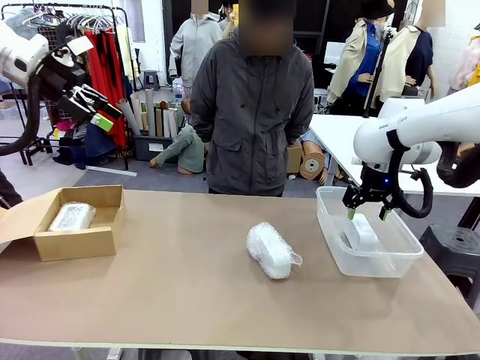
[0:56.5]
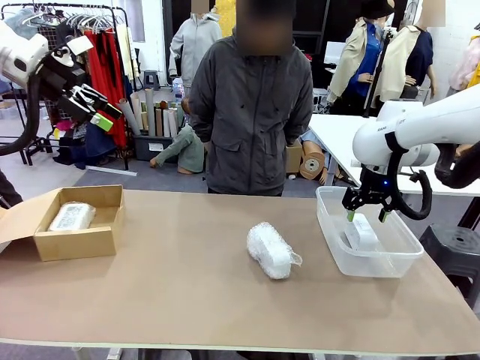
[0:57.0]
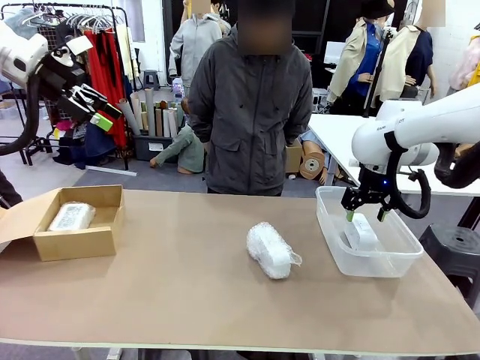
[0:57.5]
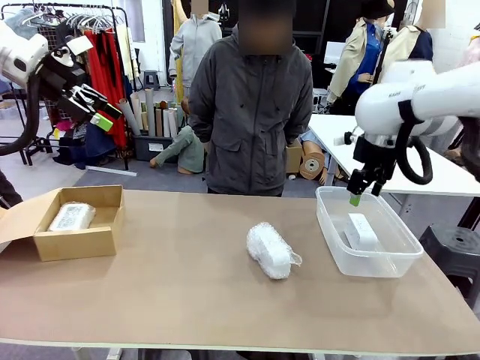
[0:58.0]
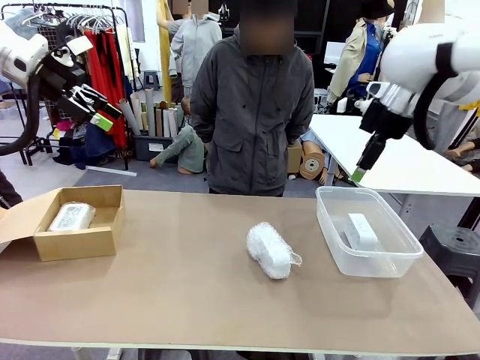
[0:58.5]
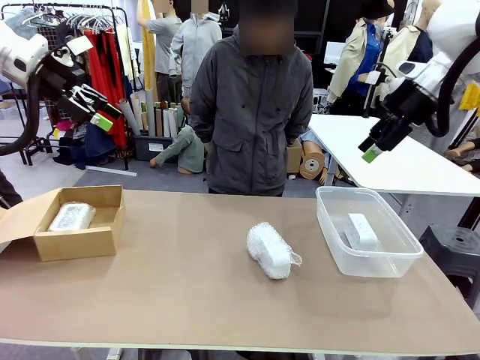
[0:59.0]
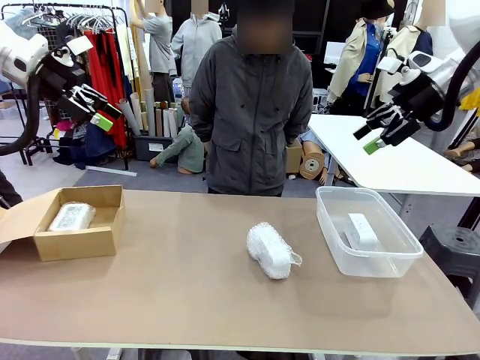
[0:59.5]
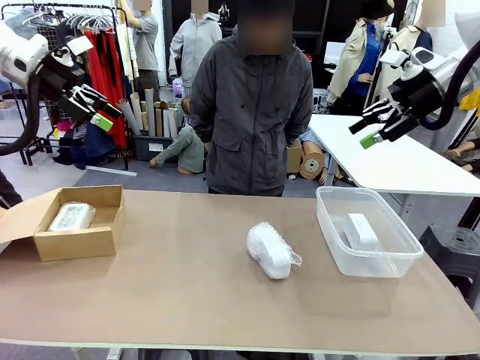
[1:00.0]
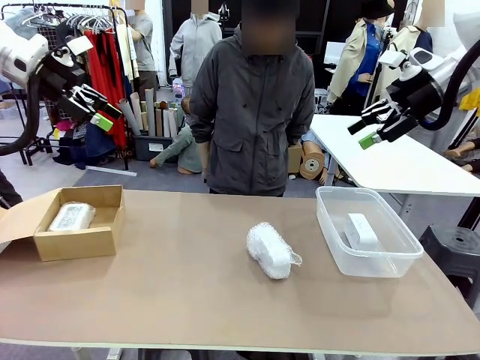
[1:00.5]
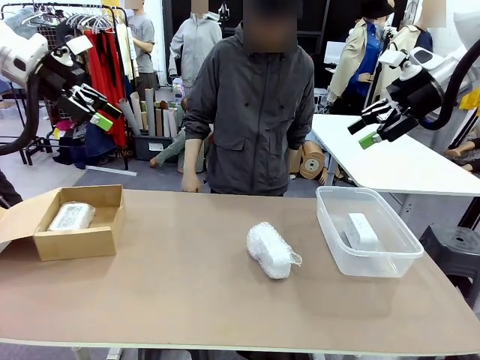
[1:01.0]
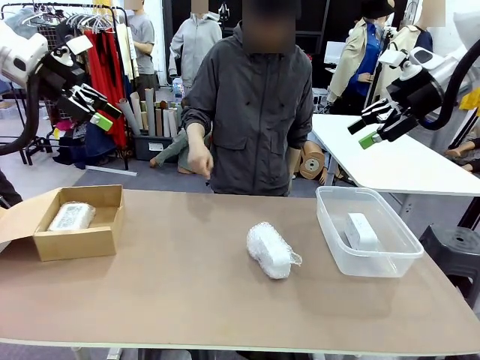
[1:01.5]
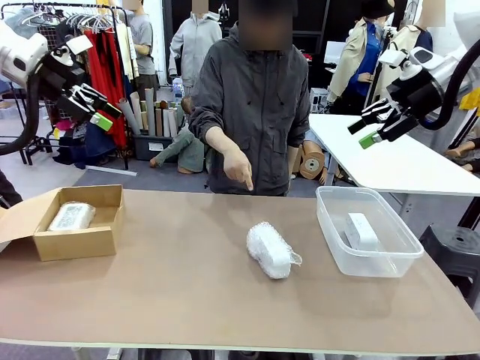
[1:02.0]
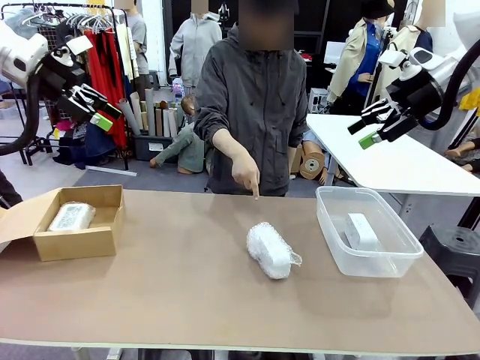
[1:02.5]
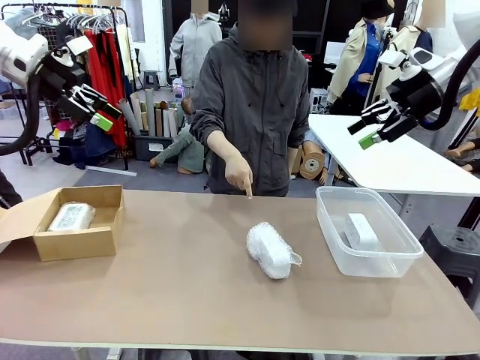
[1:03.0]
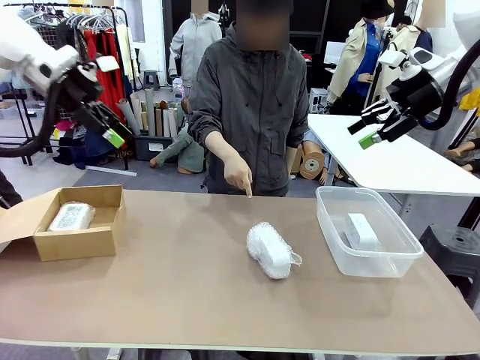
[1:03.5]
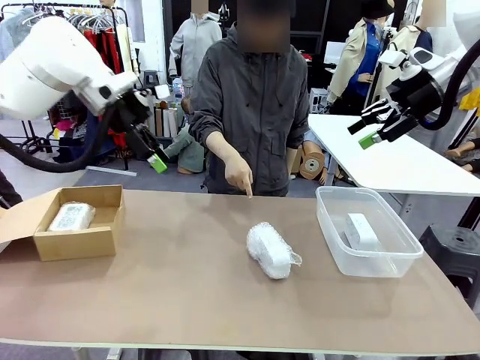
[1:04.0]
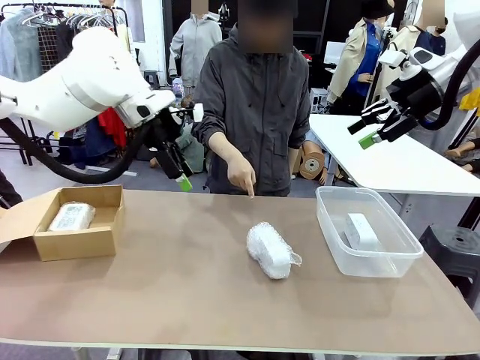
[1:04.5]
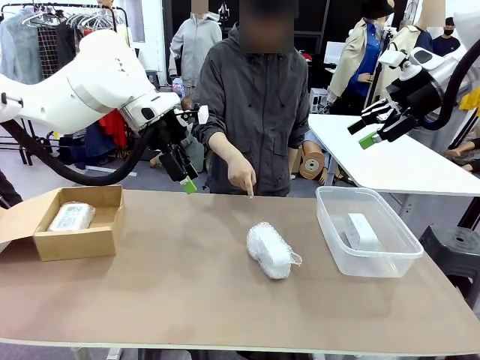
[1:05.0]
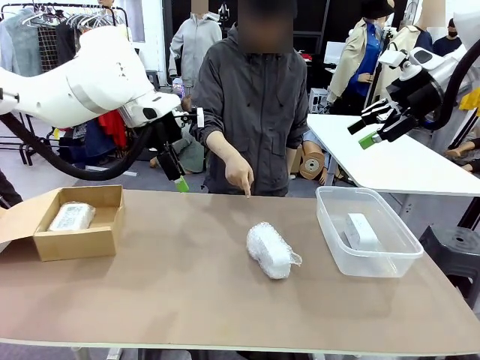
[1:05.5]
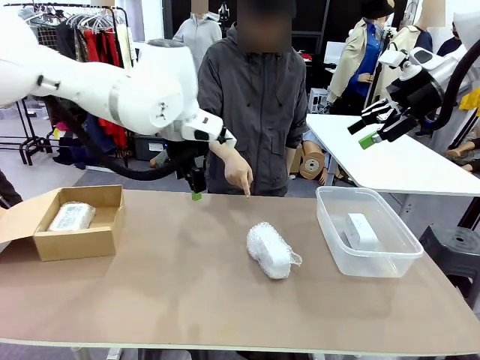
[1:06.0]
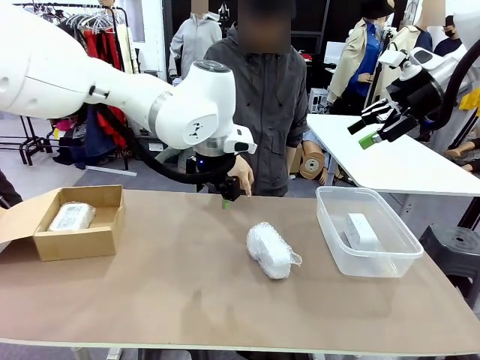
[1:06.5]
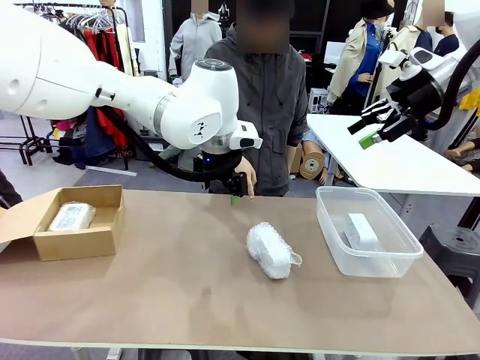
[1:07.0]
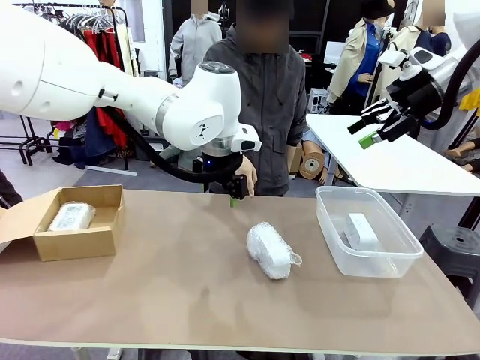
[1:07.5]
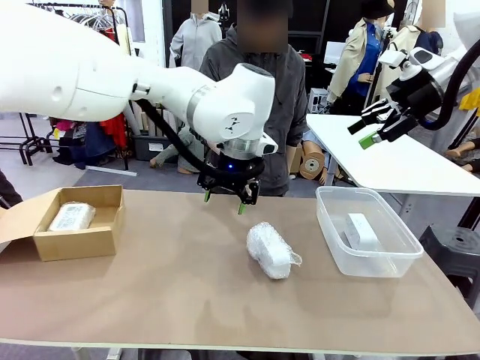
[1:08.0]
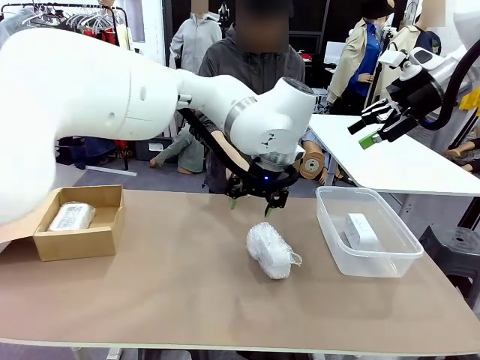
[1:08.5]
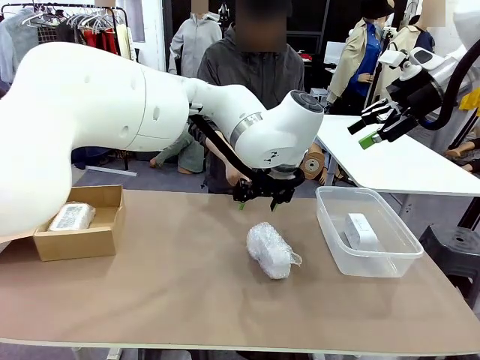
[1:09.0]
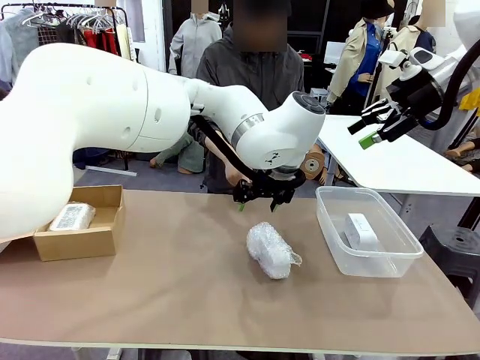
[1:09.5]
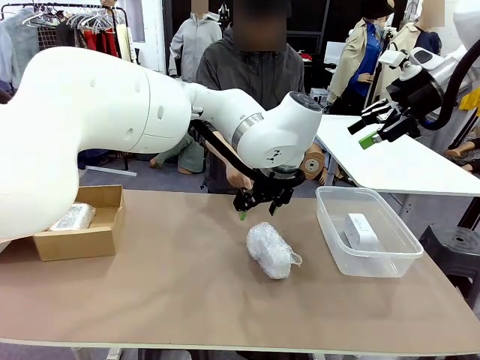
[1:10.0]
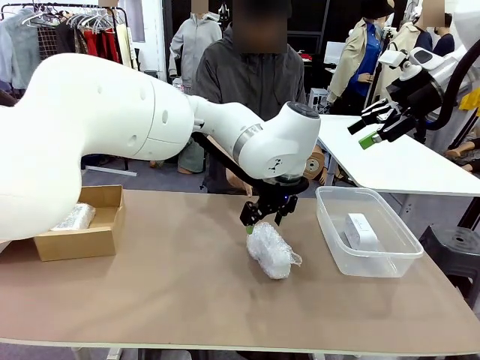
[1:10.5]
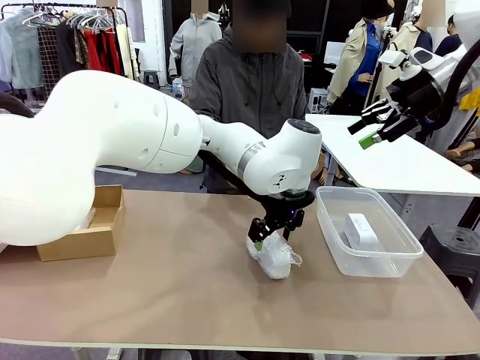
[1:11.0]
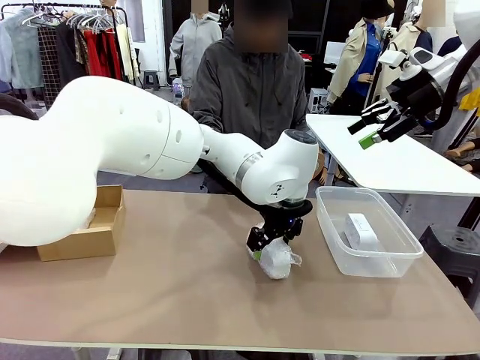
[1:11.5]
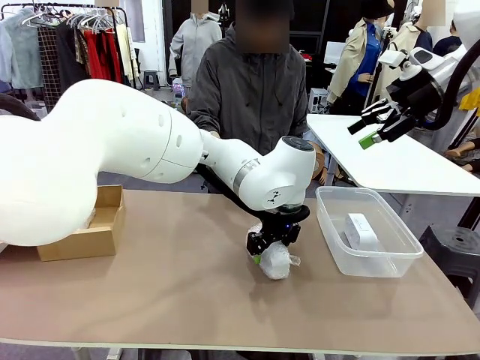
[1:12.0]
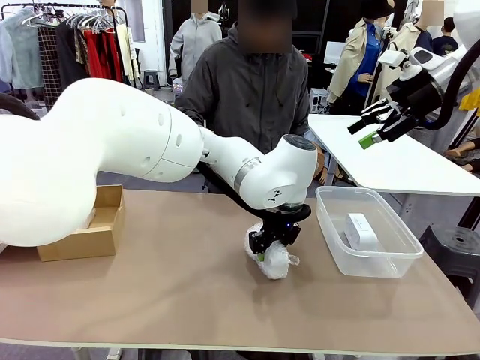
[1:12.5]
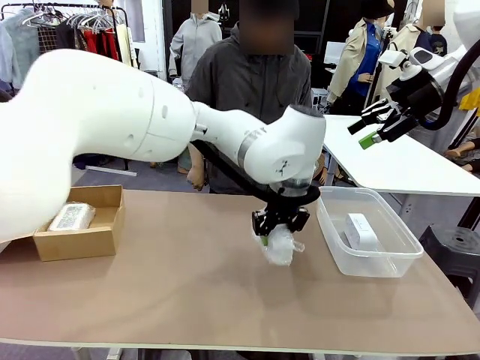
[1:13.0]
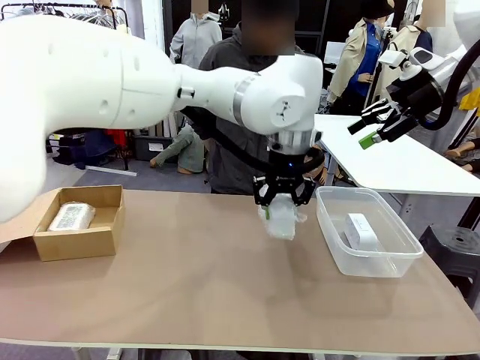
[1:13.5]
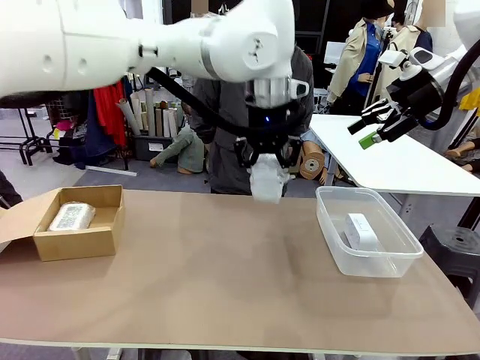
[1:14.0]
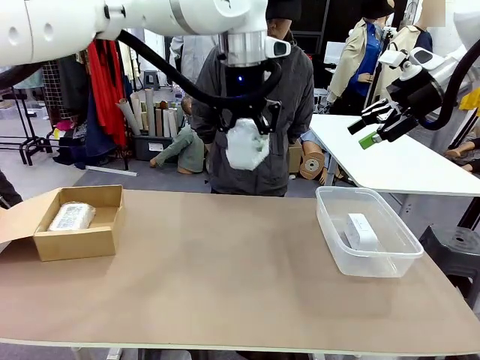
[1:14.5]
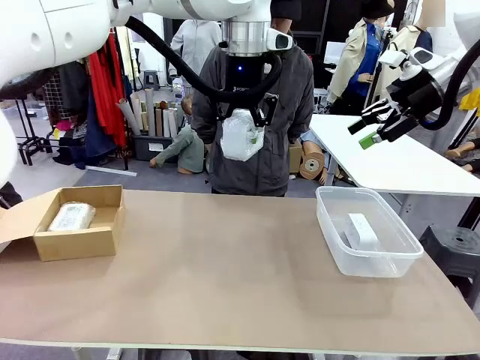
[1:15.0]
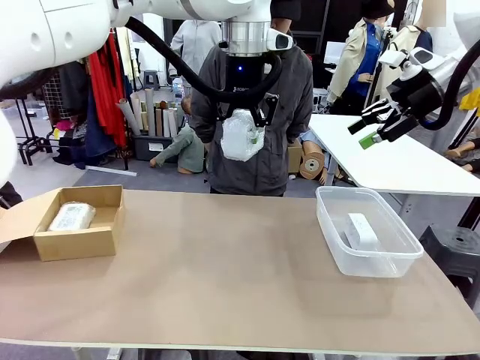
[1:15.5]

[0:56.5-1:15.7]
Task: Separate and place wrapped and unwrapped clocks.
Robot: Pick up the Digital clock indicated by the person.

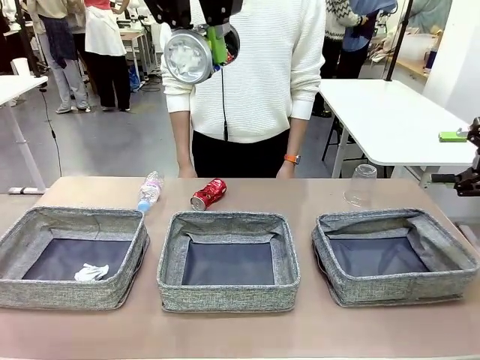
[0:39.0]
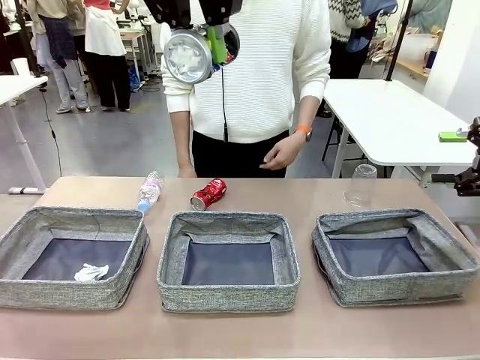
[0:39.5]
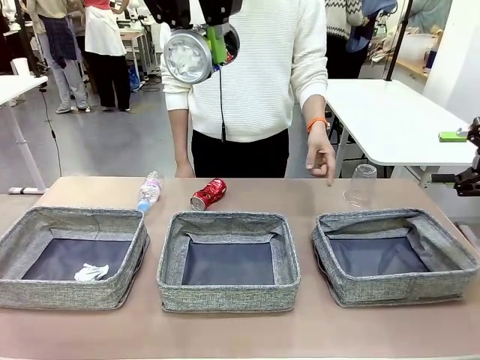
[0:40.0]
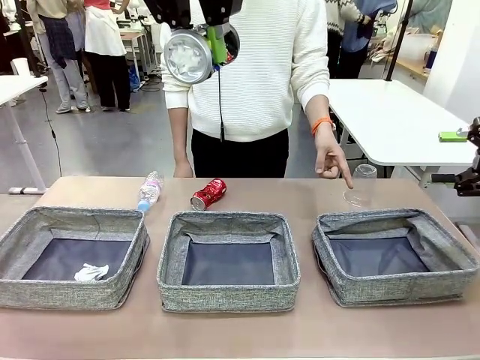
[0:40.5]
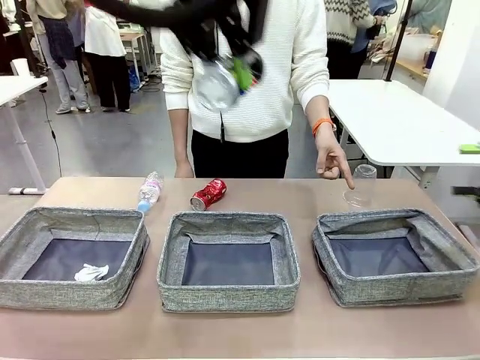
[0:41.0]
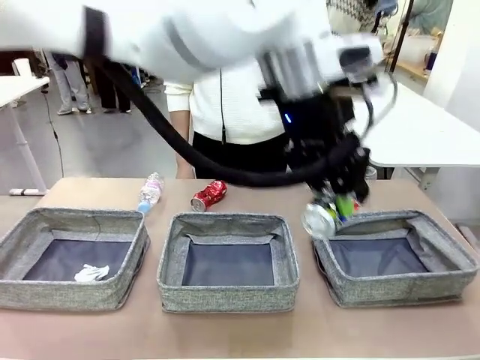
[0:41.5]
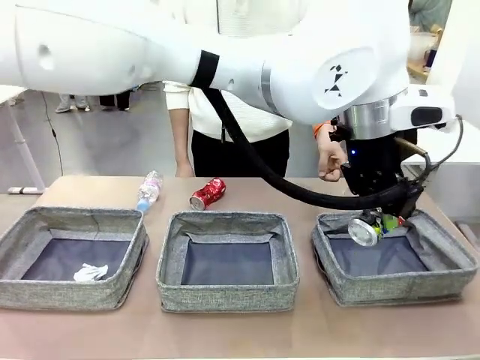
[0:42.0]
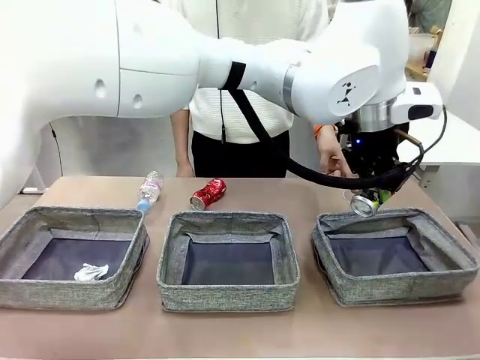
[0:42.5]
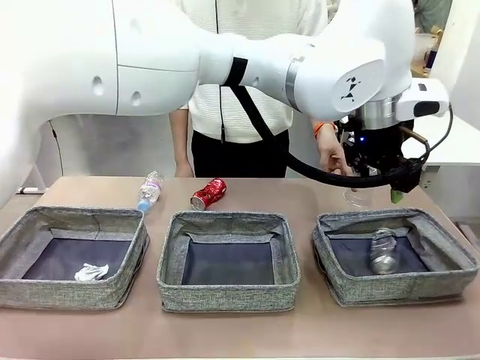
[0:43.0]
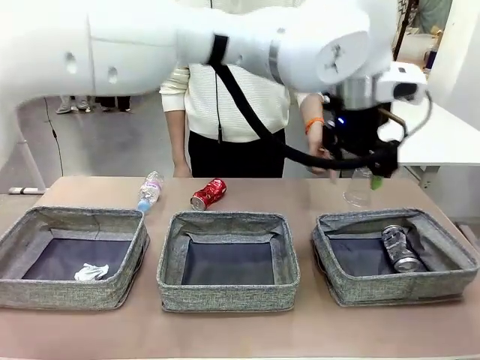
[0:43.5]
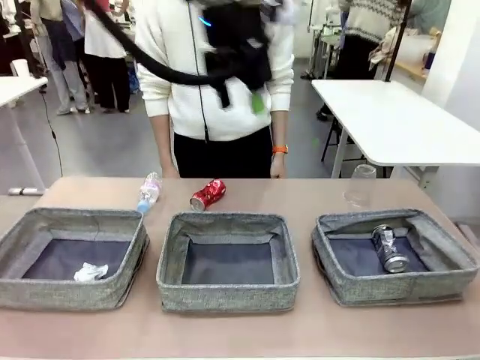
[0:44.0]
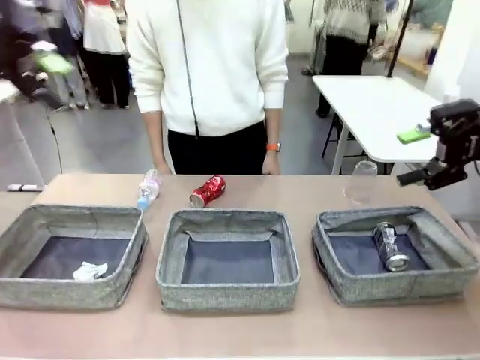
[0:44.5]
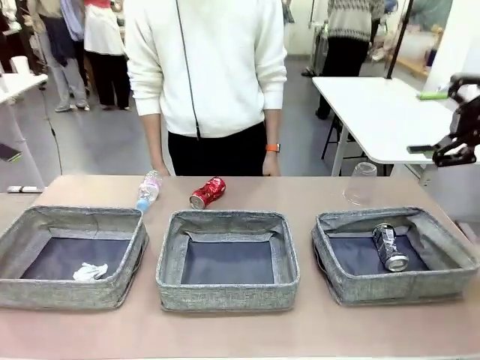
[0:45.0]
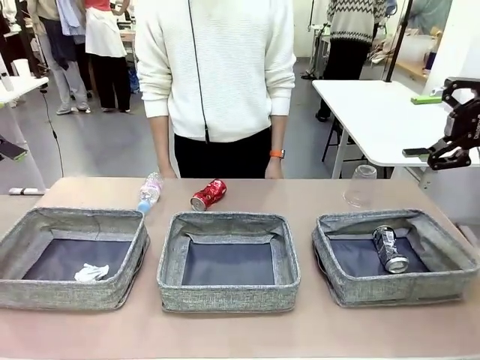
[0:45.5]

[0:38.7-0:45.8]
Task: Sort the waste into the appropriate baskets.
Robot: Place the picked waste into the Fabric basket indicated by the person.
Person: Instructs the robot to place the picked-up trash into the appropriate organizing basket.
